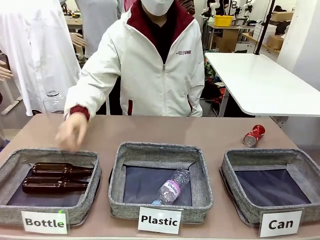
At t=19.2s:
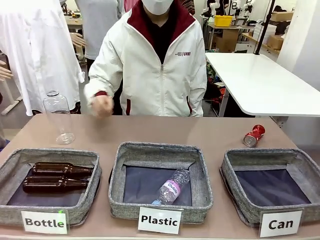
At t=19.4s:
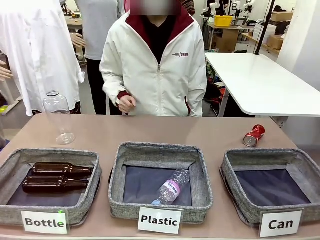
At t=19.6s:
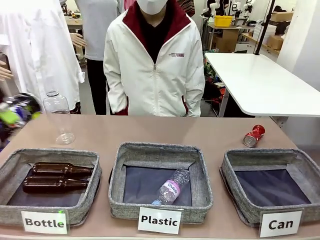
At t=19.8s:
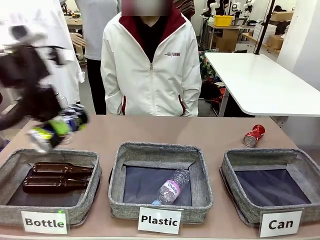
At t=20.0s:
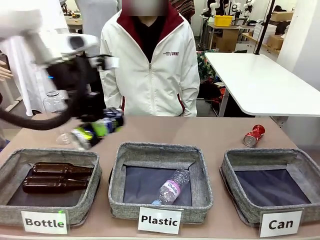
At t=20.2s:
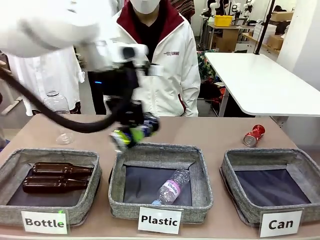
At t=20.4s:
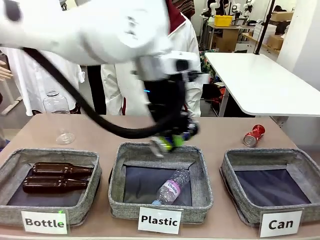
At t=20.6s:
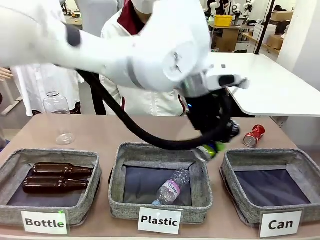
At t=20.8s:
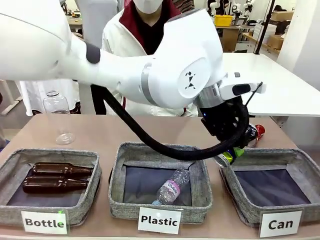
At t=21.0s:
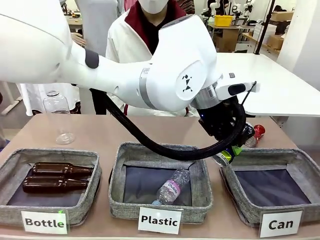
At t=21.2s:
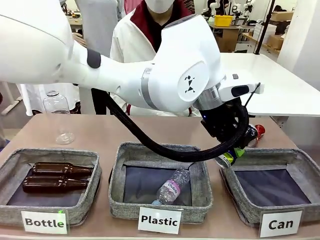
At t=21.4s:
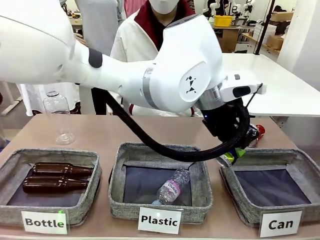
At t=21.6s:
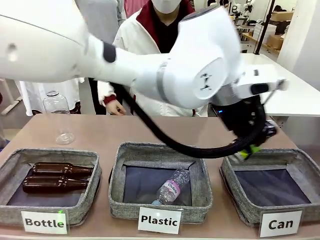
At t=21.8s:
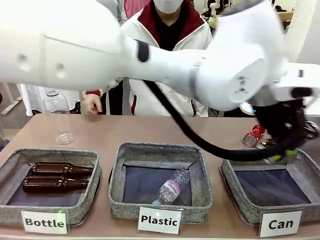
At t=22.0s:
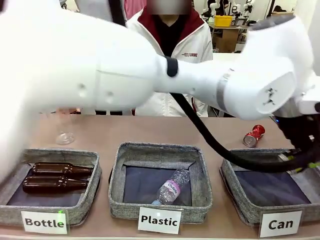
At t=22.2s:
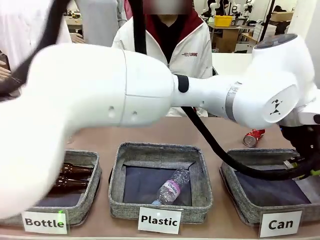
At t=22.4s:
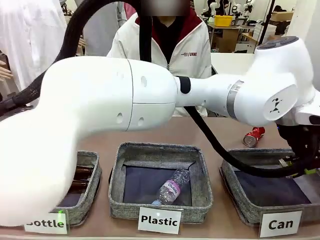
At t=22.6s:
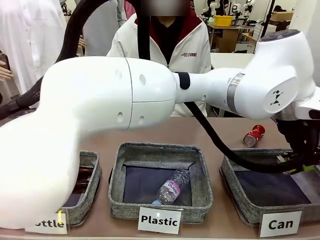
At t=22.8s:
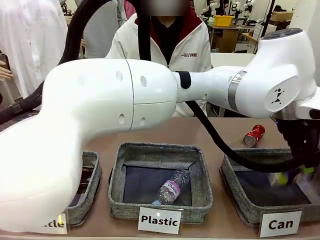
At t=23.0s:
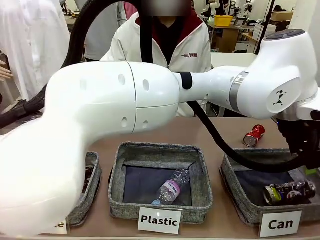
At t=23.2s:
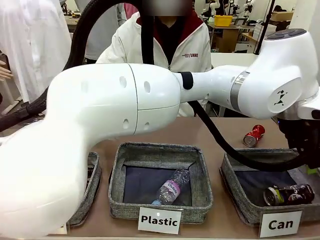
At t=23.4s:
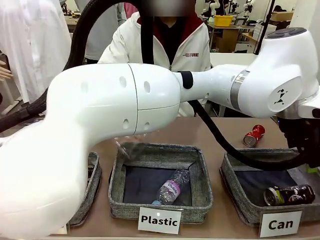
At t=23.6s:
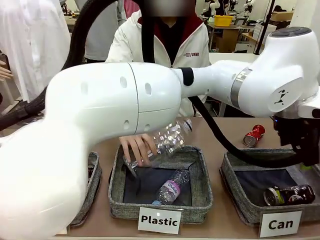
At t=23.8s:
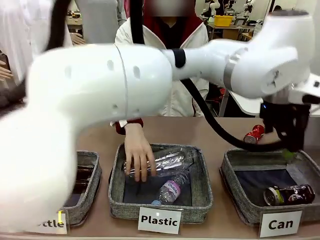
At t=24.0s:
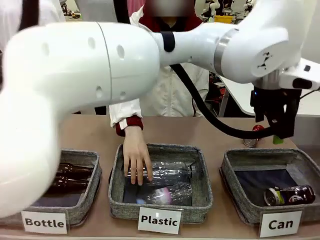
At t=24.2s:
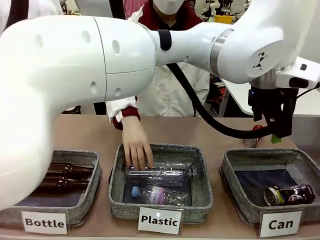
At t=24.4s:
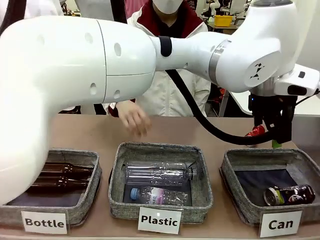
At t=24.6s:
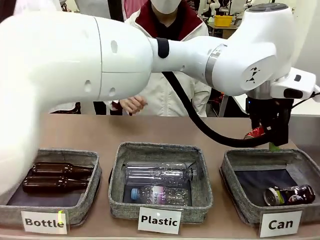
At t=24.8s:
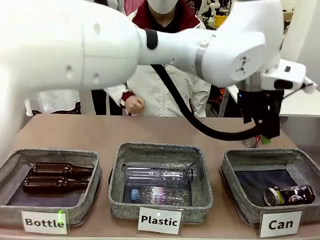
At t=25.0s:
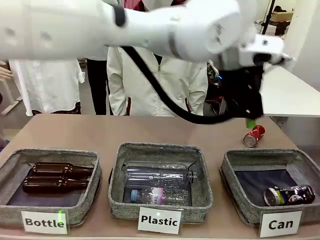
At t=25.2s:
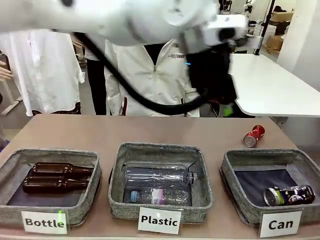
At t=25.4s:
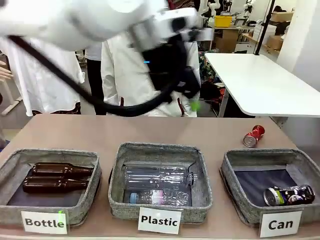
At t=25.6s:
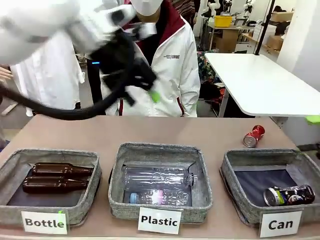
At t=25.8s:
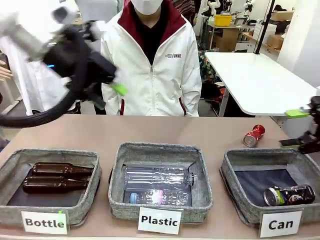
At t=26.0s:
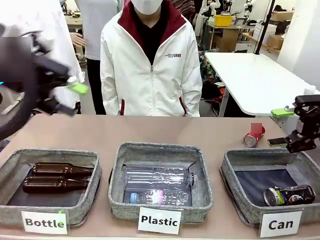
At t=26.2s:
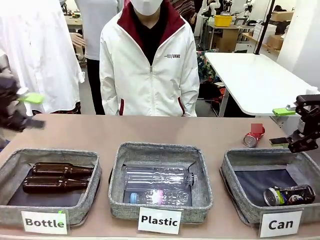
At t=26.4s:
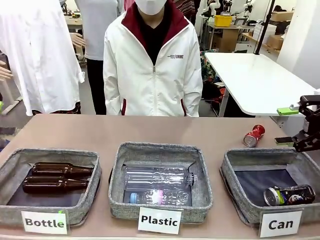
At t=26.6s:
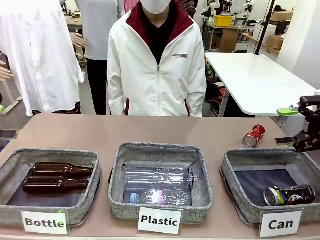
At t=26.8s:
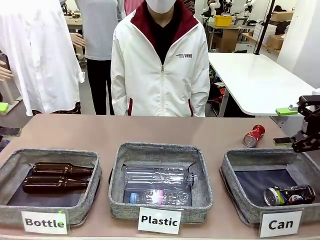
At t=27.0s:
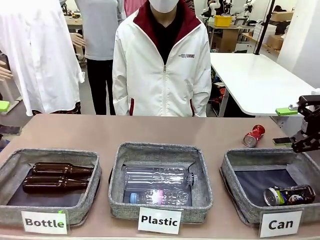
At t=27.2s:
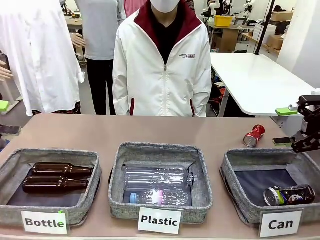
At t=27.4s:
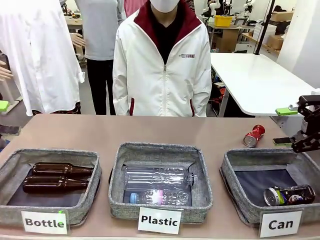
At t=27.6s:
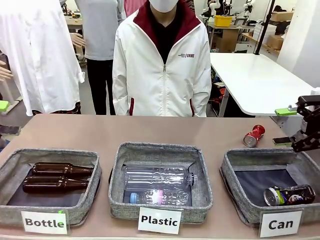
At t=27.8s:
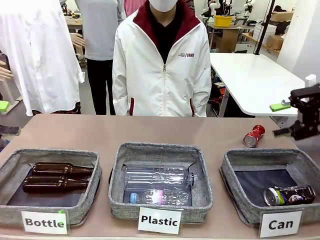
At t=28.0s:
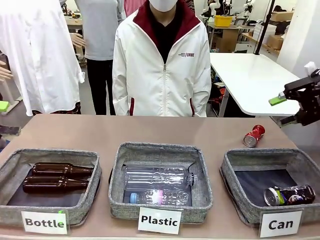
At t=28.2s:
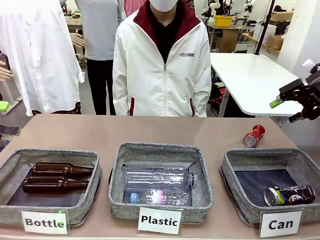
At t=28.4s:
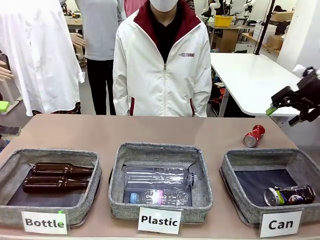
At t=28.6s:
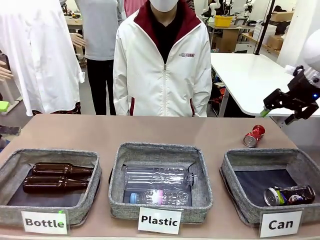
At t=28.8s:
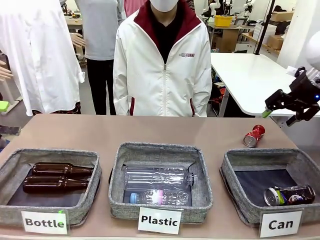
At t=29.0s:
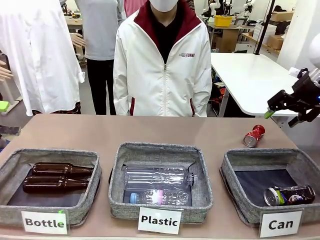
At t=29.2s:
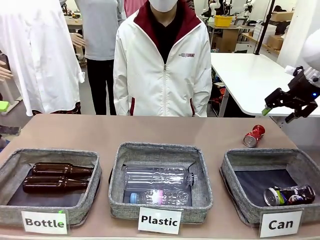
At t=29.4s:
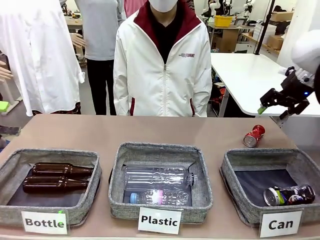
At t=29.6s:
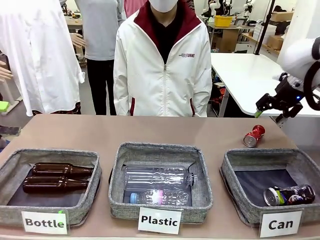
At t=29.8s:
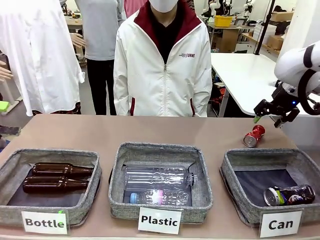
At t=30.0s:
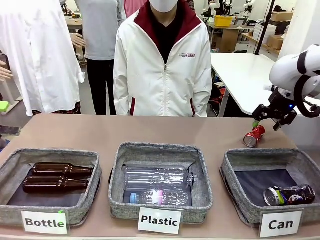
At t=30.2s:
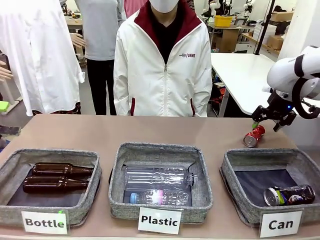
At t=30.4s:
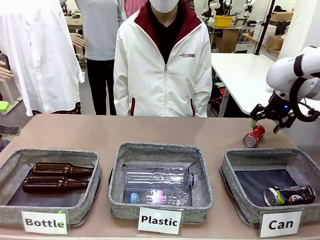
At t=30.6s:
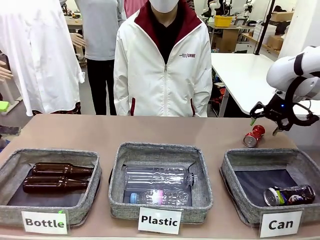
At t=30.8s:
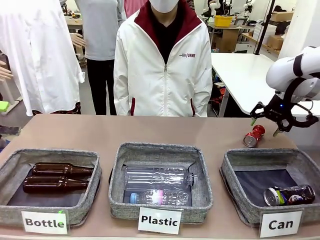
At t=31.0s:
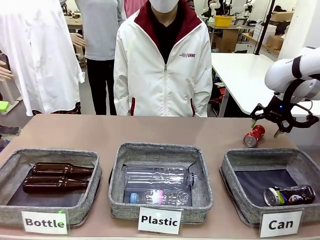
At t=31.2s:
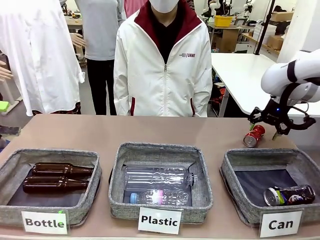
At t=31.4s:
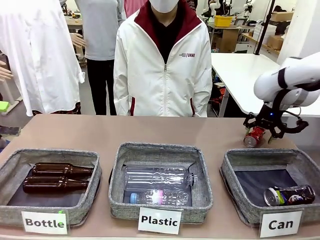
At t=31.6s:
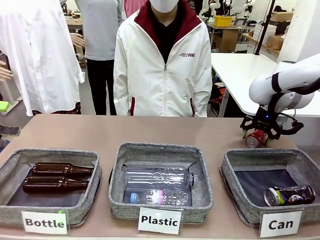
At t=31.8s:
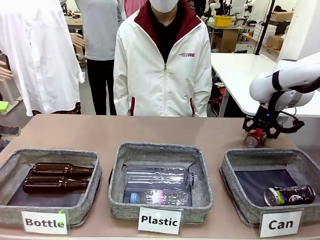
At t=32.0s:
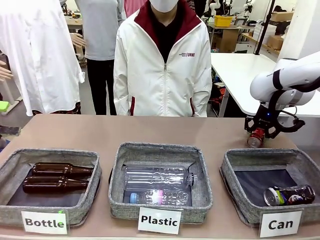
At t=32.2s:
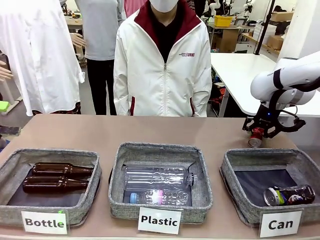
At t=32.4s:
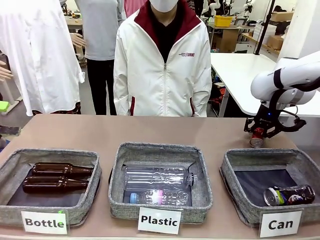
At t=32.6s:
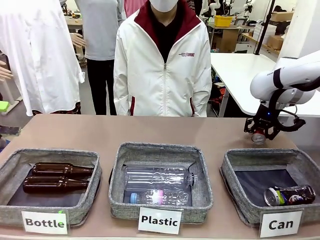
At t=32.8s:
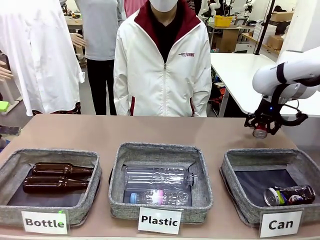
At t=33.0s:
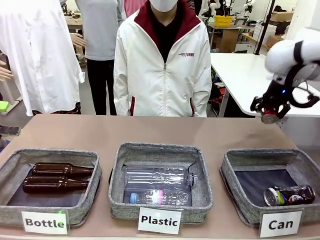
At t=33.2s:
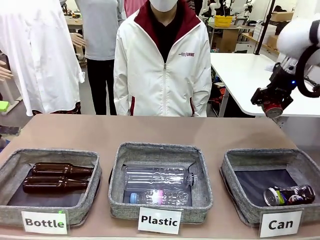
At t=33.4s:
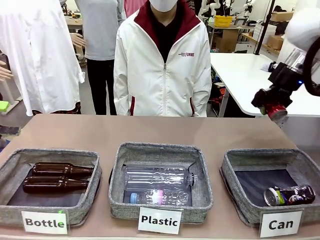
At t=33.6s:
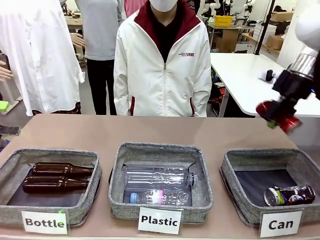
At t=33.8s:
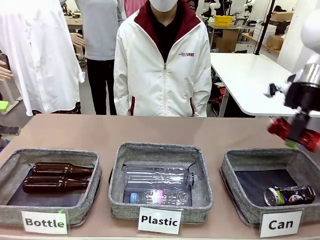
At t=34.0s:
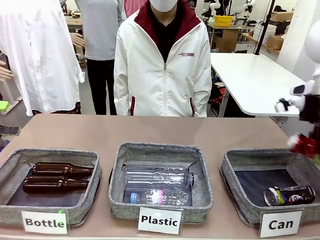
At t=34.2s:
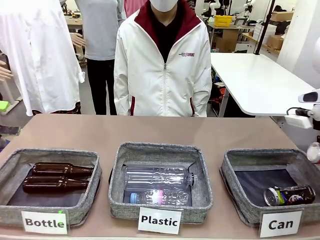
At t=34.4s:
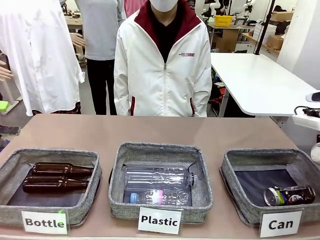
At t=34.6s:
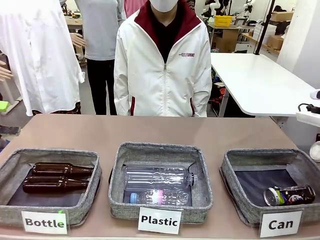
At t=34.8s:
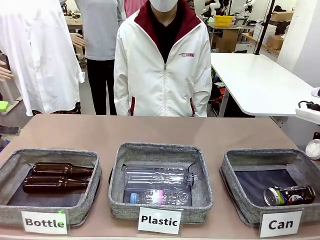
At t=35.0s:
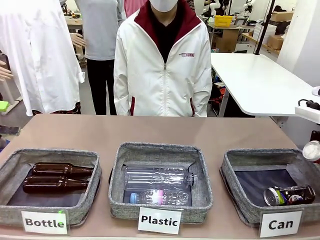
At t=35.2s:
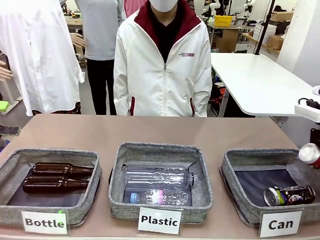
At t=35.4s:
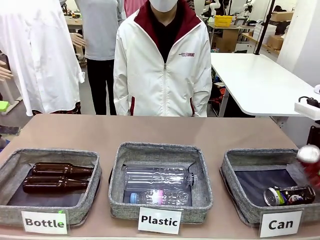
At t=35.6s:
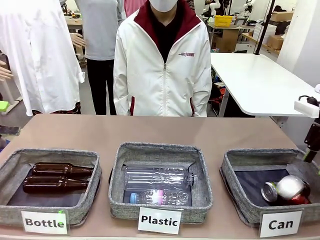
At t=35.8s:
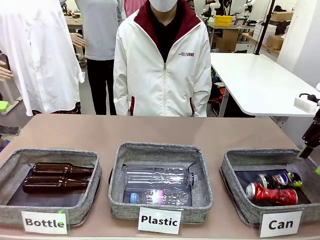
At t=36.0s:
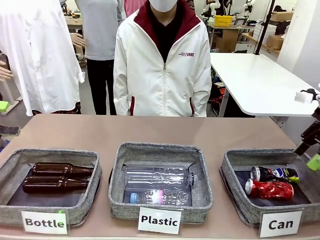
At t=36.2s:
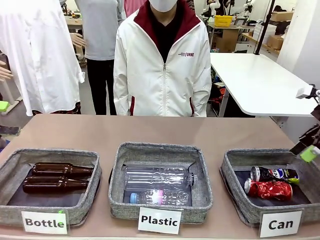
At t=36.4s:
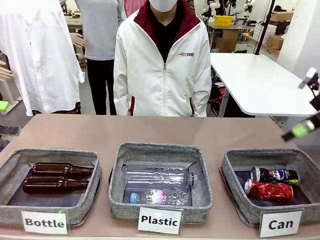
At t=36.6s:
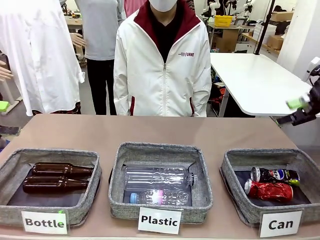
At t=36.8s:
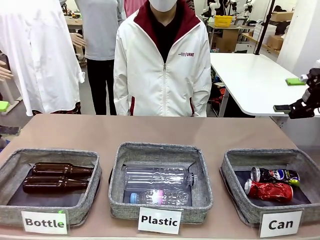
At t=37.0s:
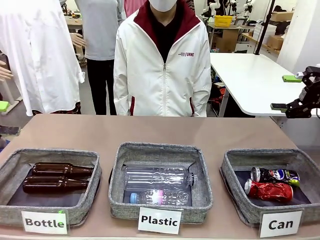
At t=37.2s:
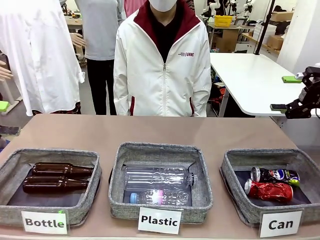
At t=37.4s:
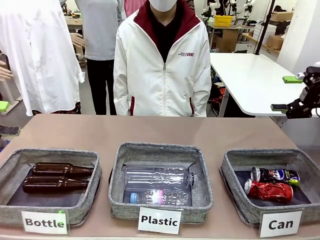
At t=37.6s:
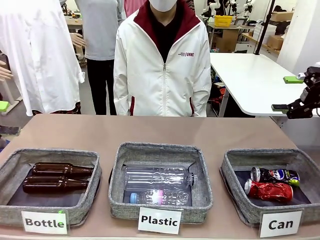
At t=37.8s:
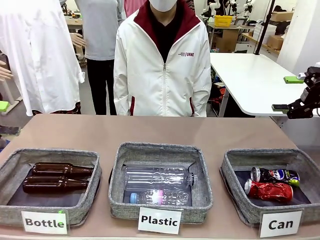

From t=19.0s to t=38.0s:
Task: Sort the can waste into the basket.
Robot: Pick up the can waste from the table and place it in the right Fabric basket.
